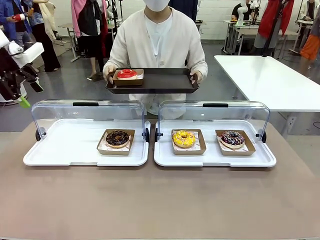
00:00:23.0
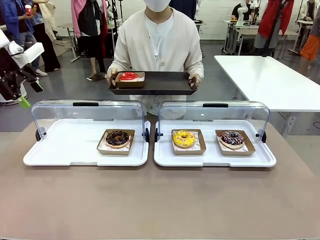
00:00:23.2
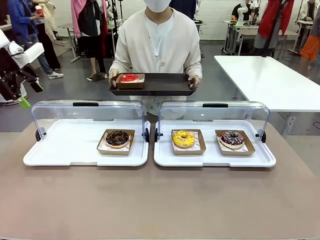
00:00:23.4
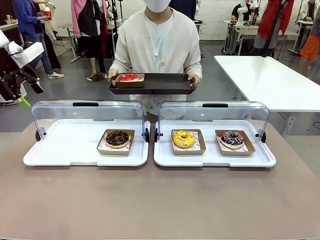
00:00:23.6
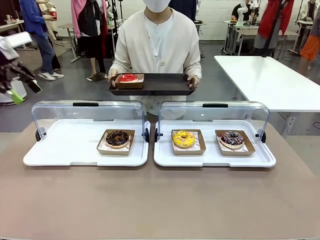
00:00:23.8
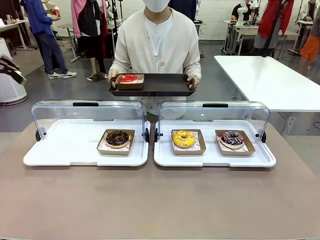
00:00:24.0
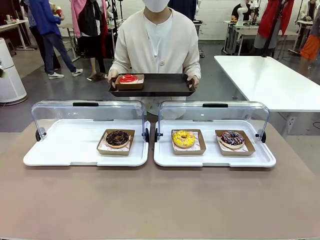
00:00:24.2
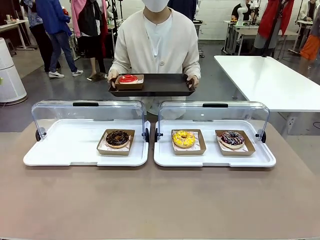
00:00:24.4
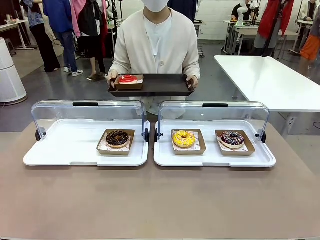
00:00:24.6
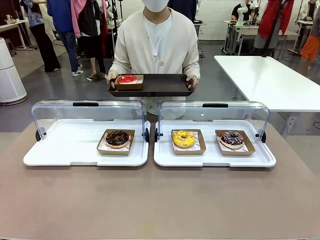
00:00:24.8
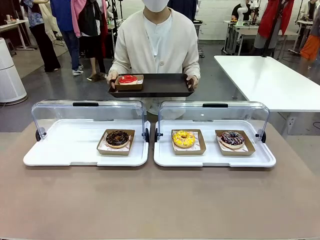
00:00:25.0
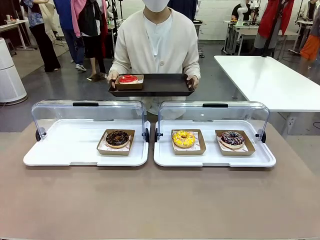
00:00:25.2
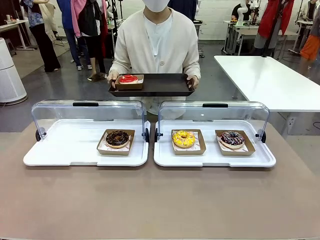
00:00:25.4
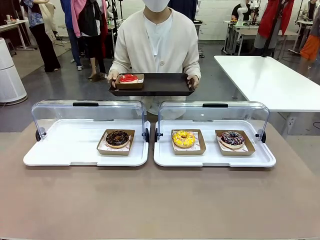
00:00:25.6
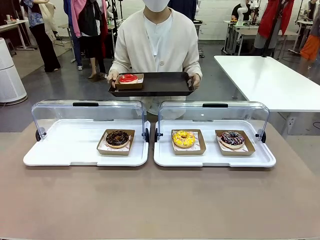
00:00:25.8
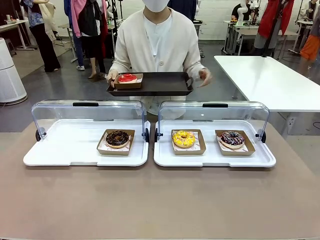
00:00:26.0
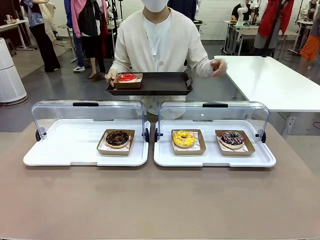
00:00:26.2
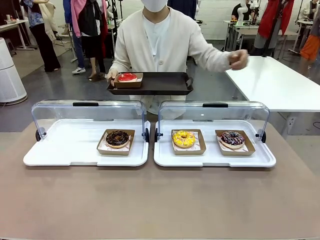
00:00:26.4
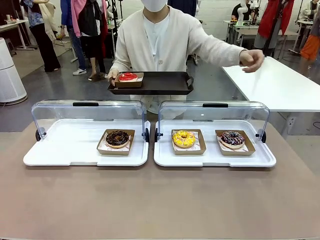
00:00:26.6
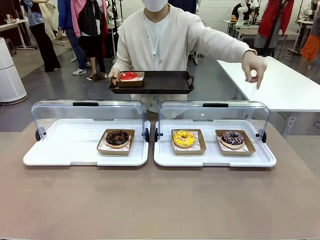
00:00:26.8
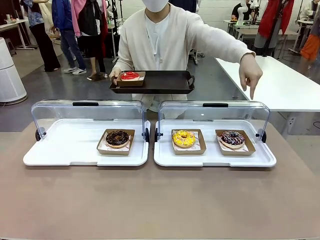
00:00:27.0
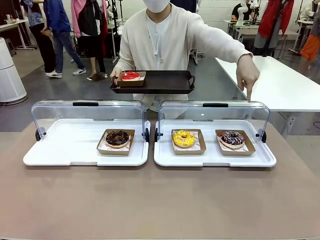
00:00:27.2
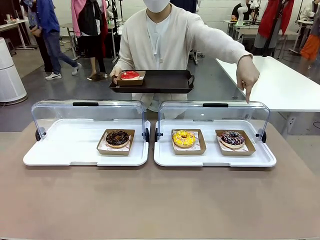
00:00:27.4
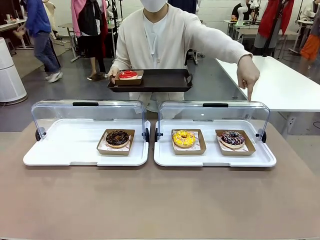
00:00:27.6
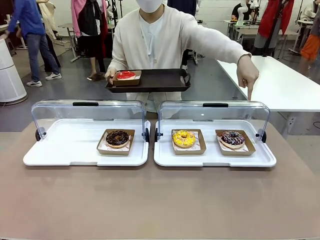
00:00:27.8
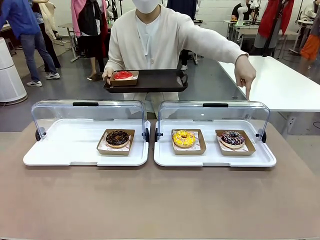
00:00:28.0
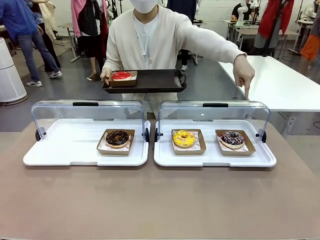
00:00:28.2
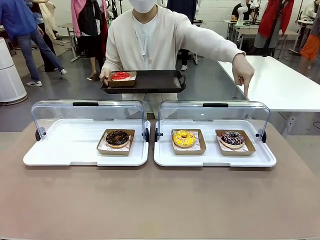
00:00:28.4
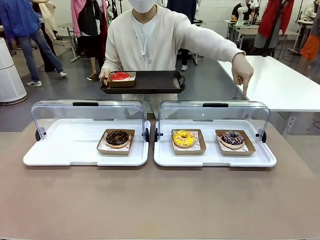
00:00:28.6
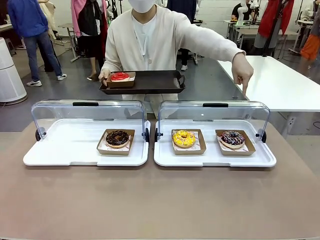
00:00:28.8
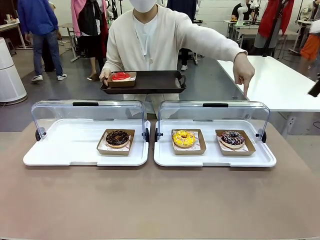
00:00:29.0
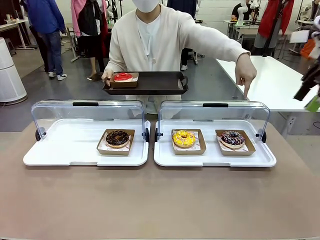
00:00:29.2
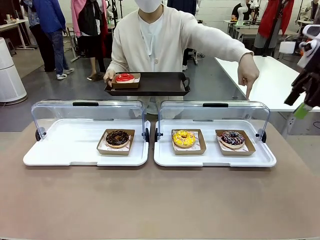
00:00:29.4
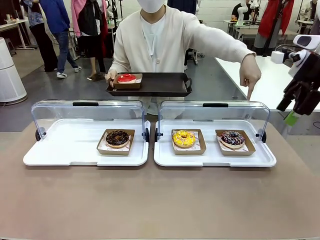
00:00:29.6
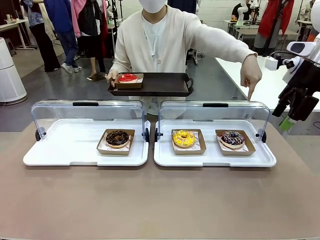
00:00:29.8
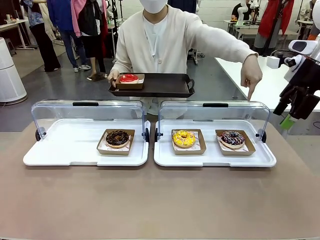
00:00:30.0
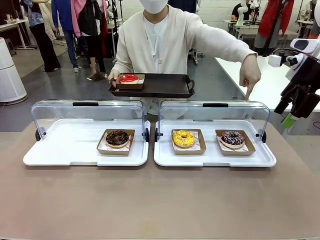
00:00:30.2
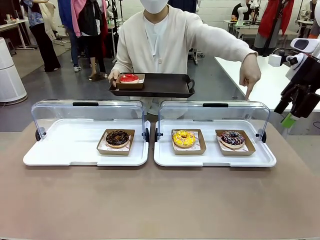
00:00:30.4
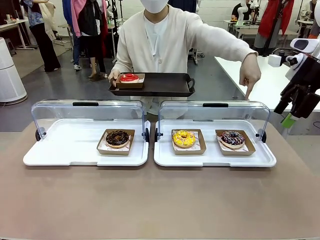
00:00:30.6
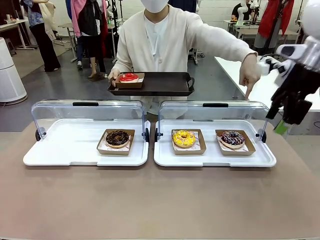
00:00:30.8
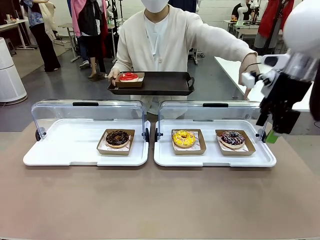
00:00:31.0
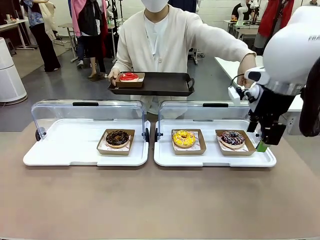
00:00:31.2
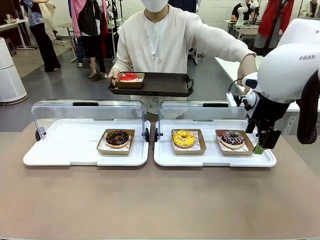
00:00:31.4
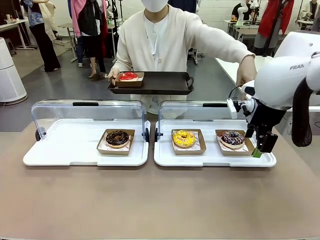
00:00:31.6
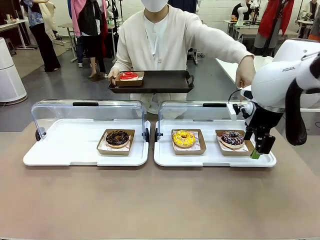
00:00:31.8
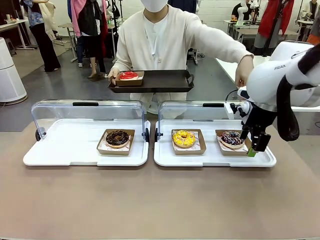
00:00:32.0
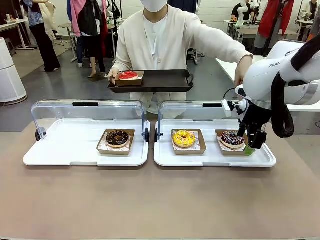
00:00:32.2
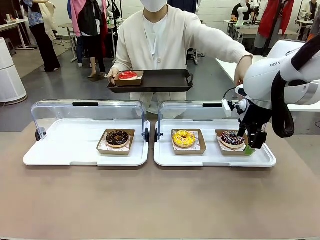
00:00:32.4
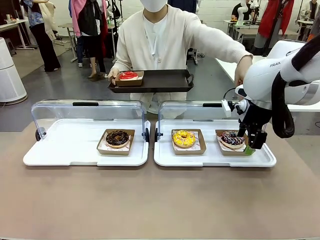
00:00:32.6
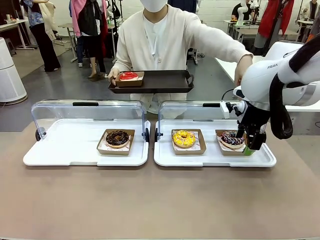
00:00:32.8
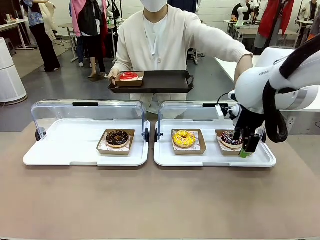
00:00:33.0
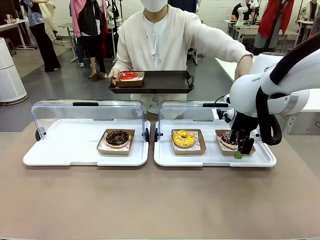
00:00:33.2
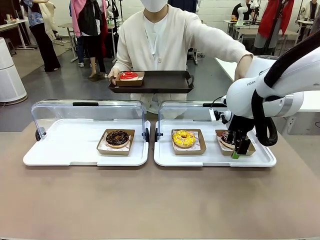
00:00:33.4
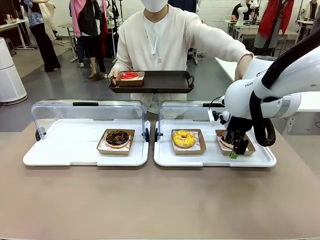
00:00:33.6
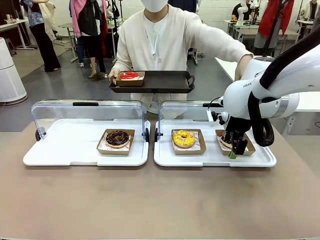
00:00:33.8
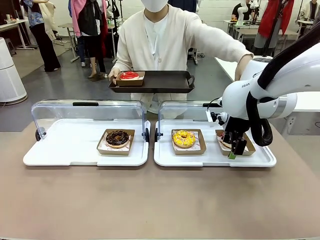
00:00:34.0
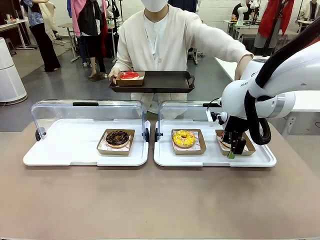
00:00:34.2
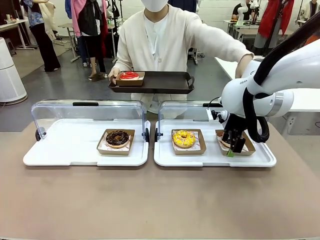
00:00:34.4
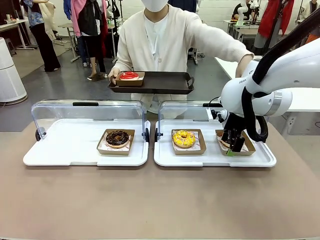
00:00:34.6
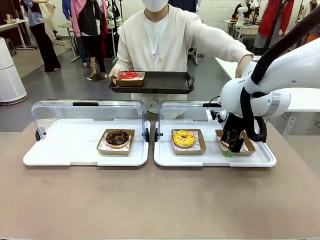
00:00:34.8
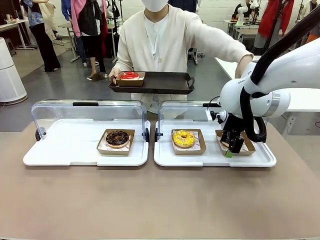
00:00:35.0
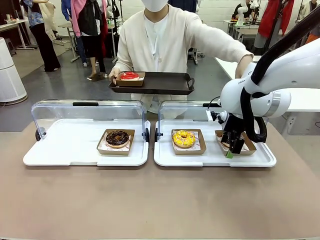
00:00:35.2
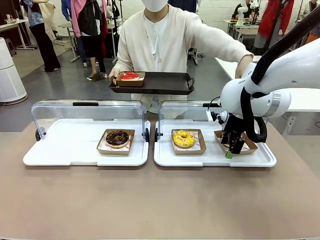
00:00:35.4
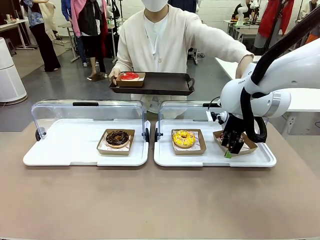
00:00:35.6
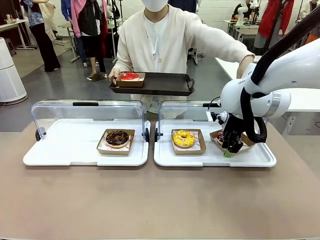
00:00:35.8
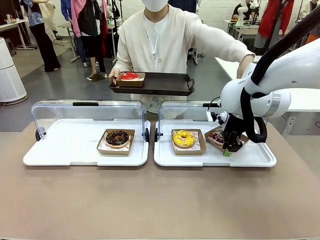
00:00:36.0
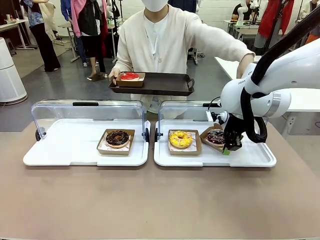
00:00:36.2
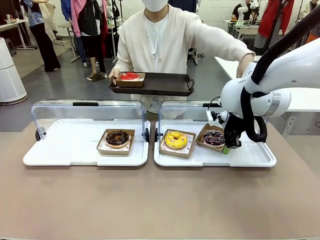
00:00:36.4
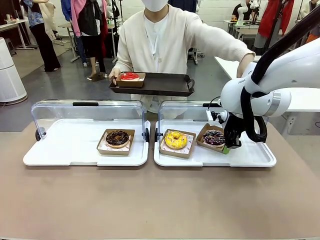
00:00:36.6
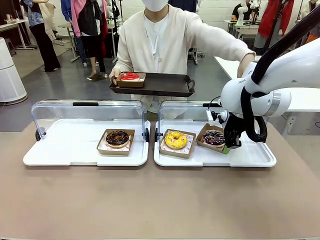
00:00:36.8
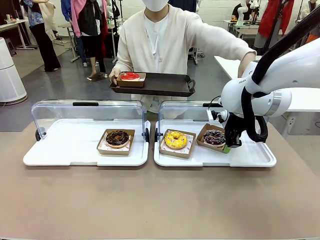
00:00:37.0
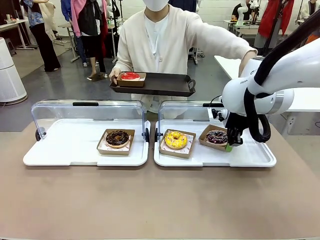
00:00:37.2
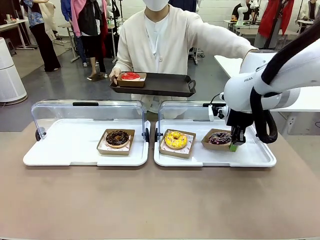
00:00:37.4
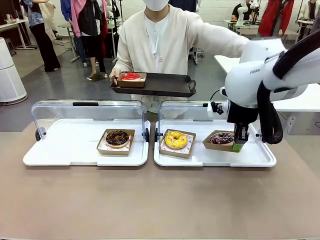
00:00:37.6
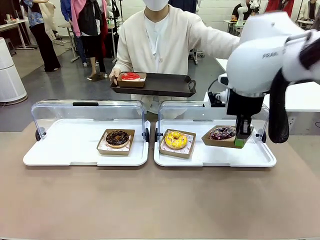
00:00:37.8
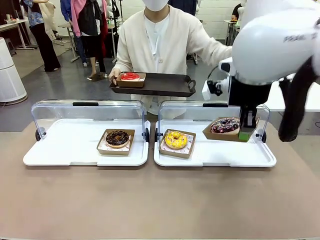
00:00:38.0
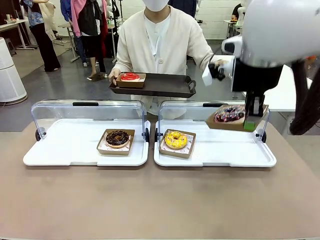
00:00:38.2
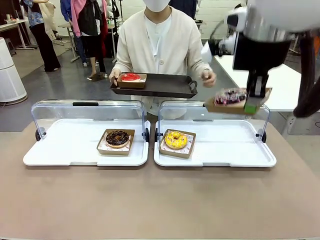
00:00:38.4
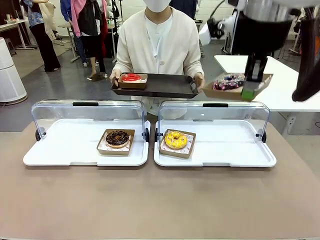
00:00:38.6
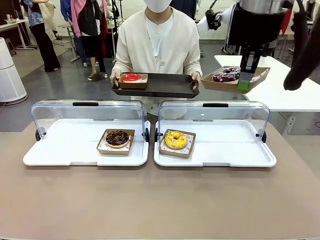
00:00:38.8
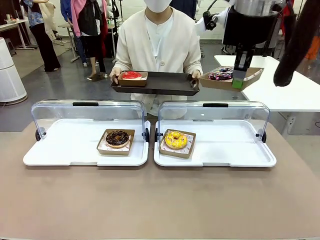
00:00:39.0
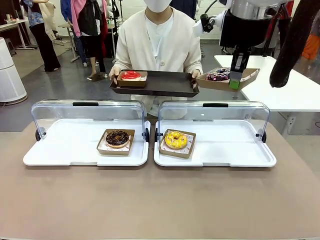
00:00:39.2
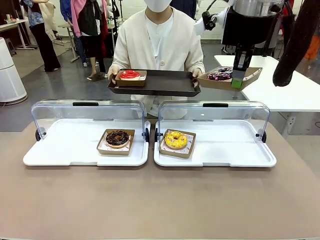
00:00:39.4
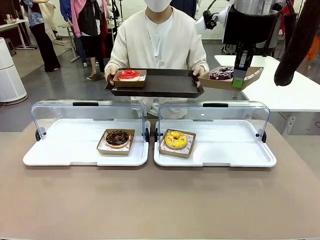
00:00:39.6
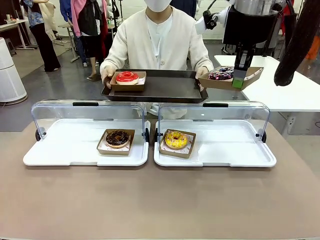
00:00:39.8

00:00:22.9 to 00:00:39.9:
Task: Provide the desired donut to the person.
Robot: Pick up and lift the Paper togo box containing the Donut pointed at by the person.
Person: Point to one donut. Lift the tray onto the Roll-Top Bakery Case.

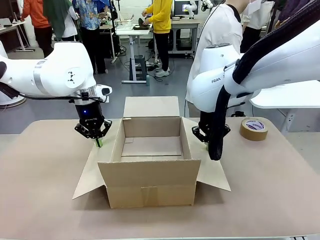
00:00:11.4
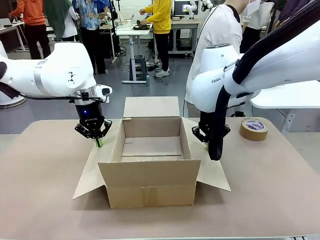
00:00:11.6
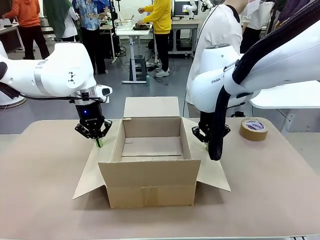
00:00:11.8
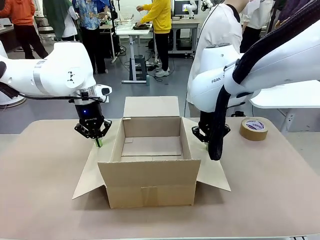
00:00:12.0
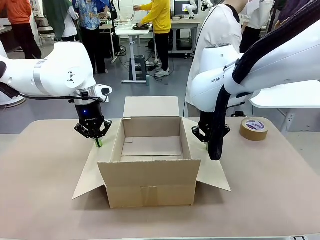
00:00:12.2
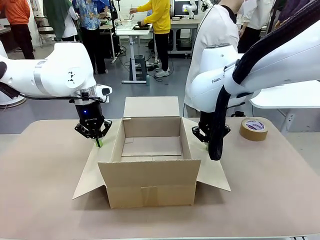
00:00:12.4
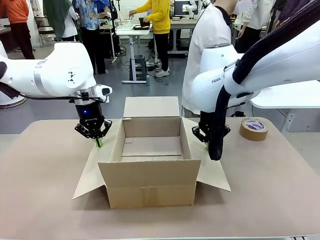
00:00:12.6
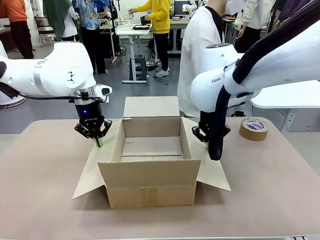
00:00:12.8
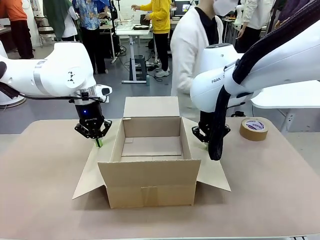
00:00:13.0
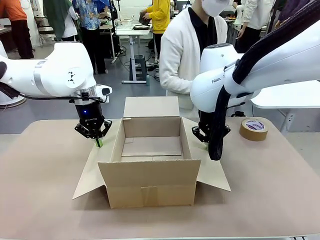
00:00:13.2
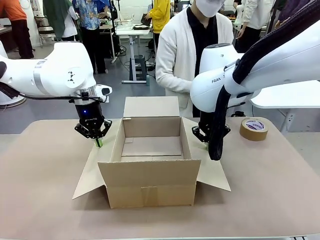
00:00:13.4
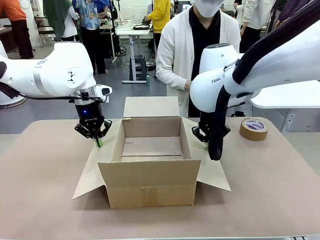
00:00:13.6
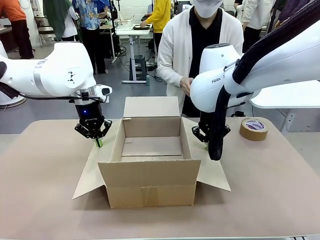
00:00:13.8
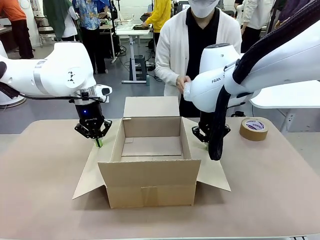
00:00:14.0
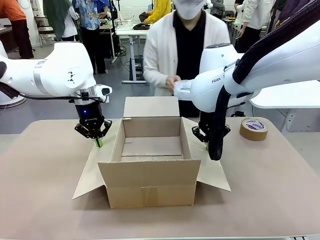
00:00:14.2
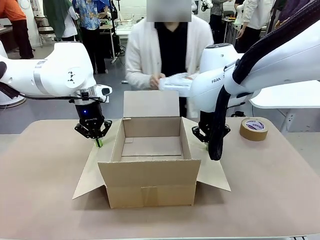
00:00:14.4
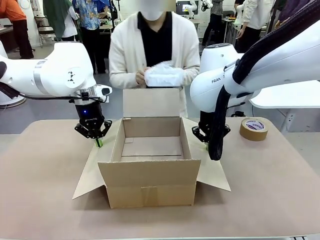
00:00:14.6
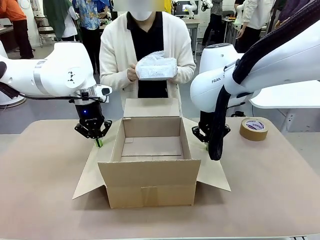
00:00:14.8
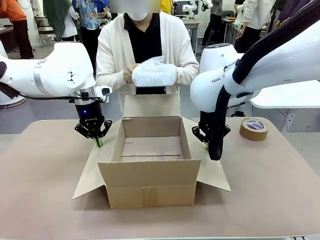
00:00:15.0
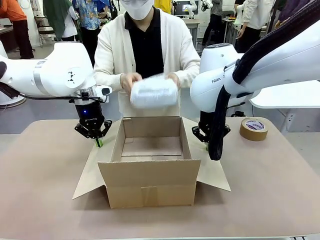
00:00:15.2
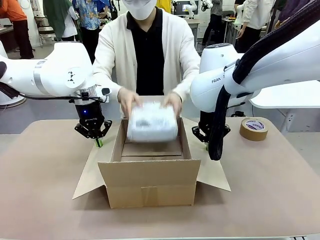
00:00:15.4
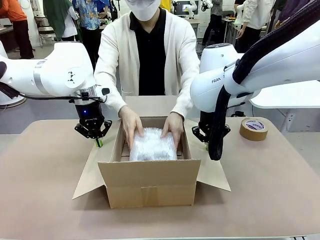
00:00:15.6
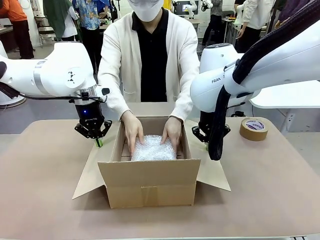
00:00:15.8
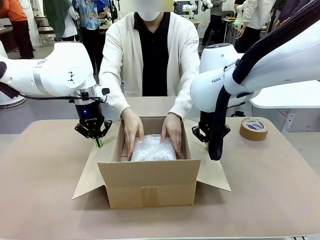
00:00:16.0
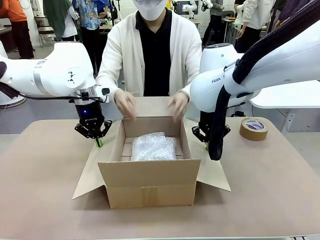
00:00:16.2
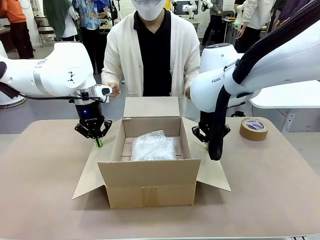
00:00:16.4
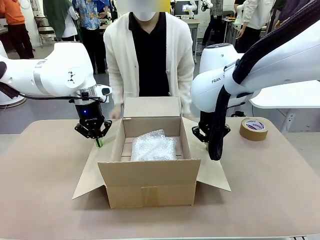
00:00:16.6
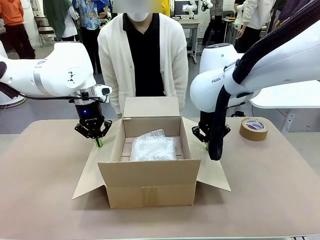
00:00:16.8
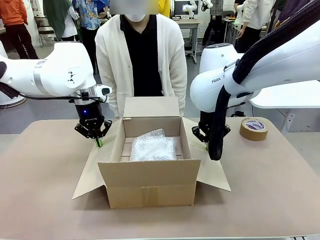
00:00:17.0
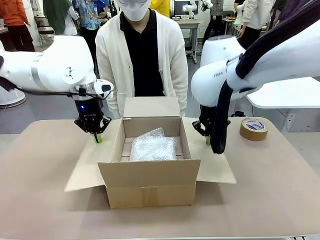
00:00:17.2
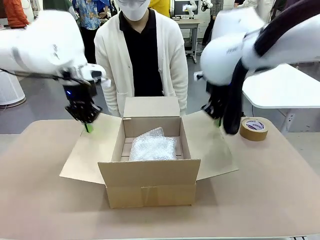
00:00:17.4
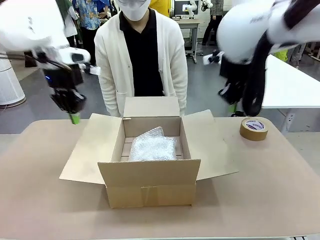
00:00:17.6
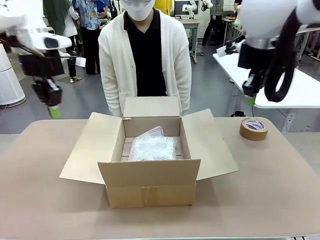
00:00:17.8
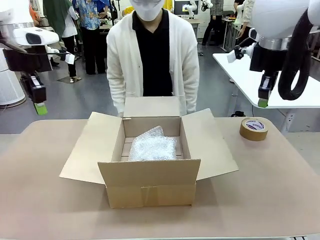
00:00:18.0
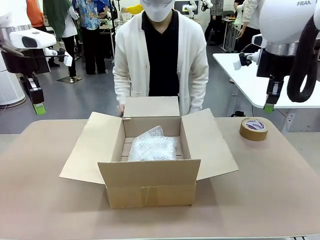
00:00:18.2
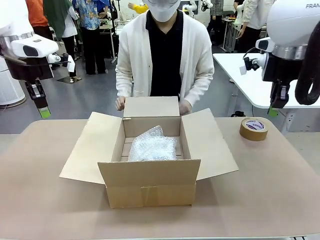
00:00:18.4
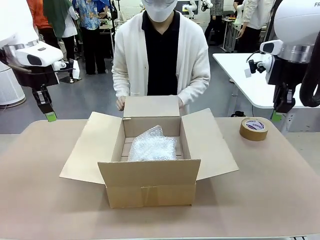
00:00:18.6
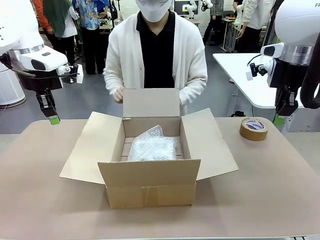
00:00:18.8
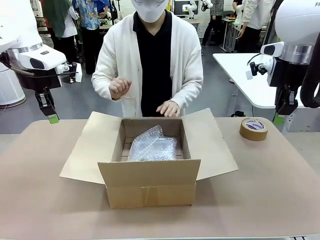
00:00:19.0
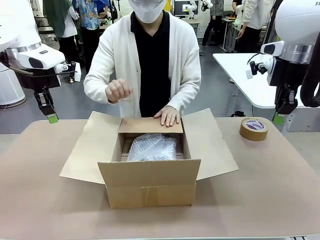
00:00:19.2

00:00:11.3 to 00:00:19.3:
Task: Wrap the clocks to prevent damage.
Robot: Once the human has placed the objects inside and stepped back, release both hands from the side flaps of the Package Box.
Person: Place the wrapped Digital clocks inside the Package Box. Hold the top and bottom flaps of the Package Box closed with your left (or right) hand.
